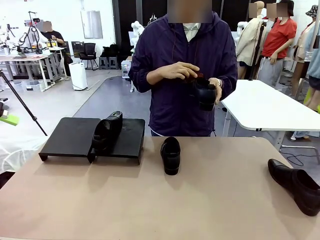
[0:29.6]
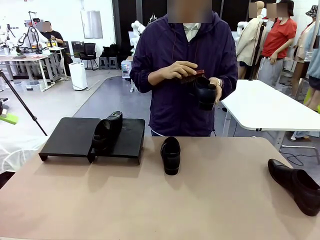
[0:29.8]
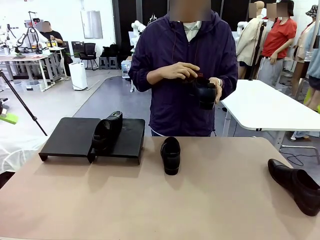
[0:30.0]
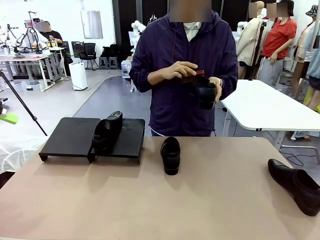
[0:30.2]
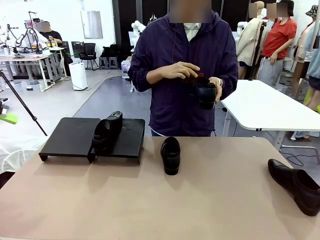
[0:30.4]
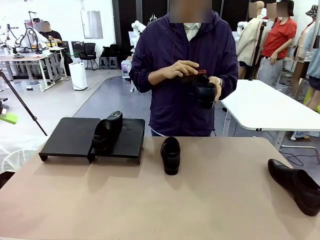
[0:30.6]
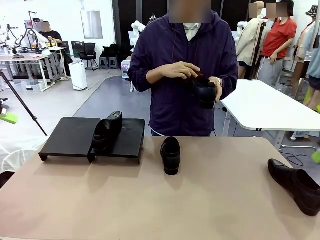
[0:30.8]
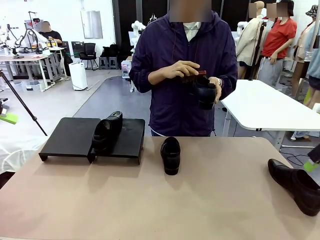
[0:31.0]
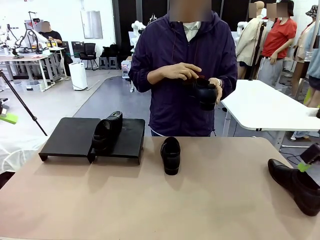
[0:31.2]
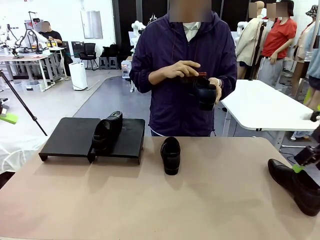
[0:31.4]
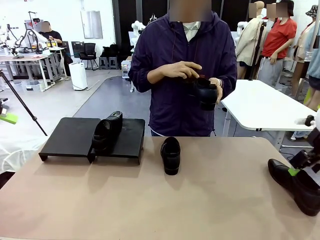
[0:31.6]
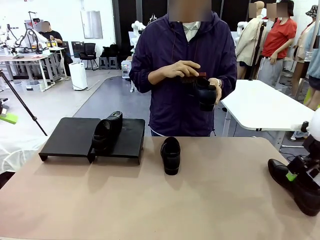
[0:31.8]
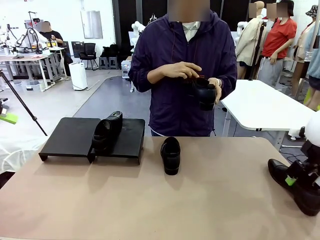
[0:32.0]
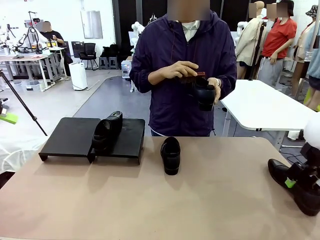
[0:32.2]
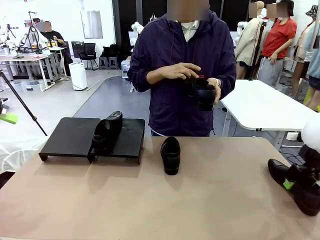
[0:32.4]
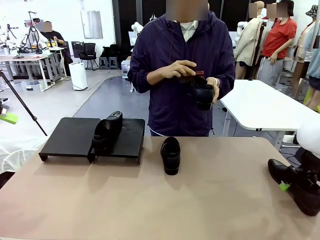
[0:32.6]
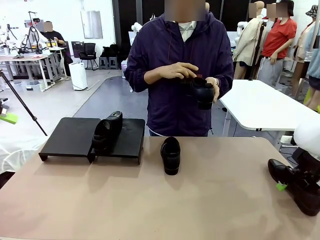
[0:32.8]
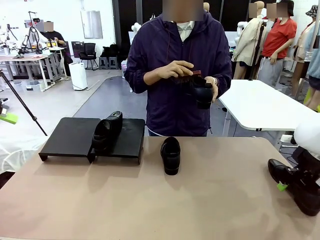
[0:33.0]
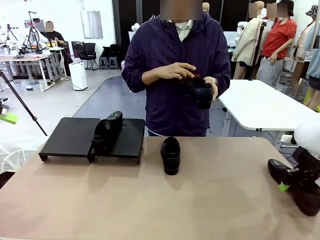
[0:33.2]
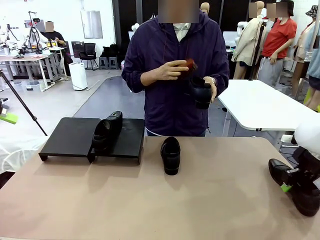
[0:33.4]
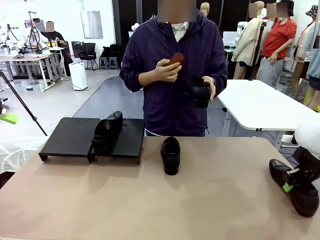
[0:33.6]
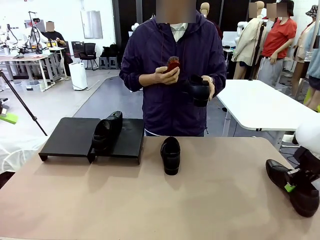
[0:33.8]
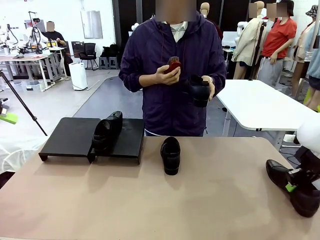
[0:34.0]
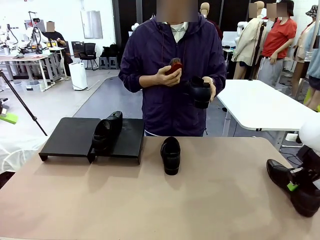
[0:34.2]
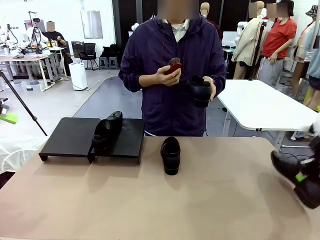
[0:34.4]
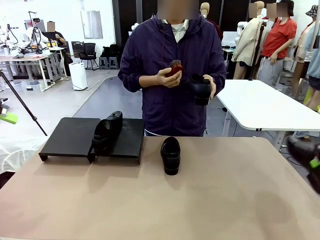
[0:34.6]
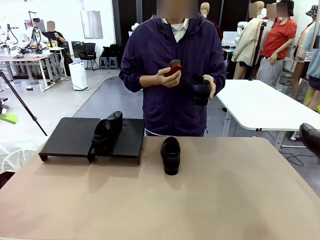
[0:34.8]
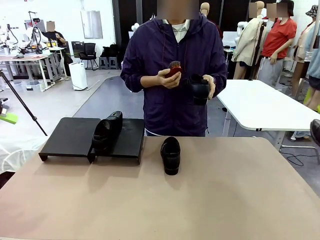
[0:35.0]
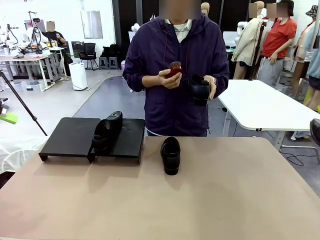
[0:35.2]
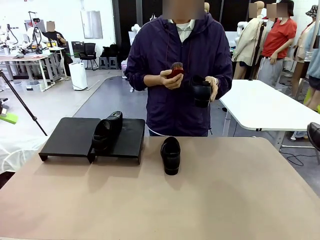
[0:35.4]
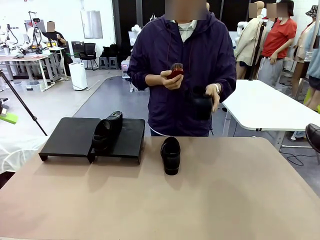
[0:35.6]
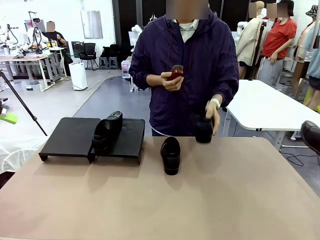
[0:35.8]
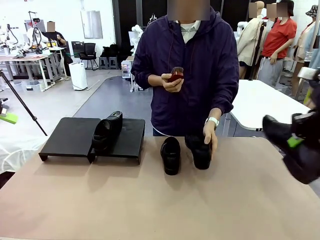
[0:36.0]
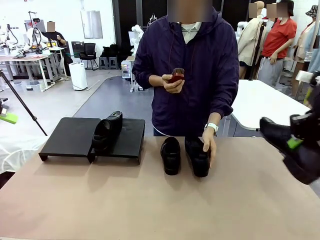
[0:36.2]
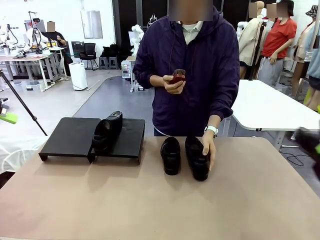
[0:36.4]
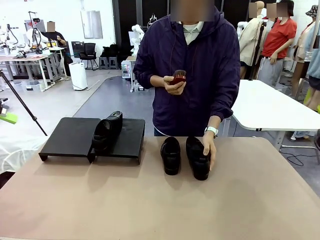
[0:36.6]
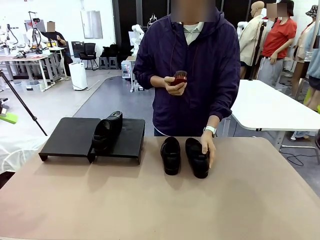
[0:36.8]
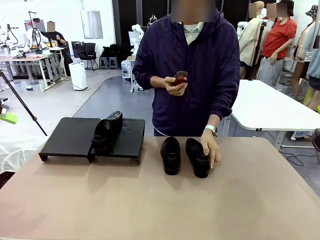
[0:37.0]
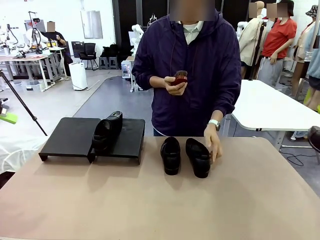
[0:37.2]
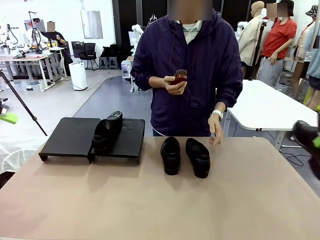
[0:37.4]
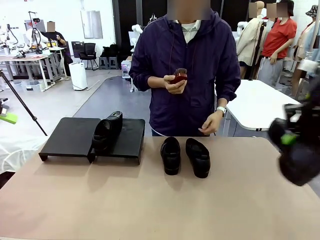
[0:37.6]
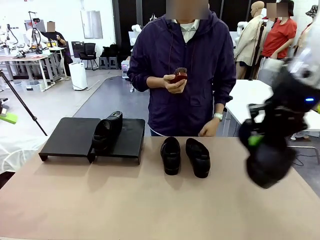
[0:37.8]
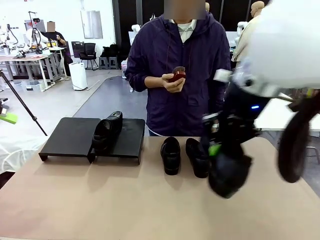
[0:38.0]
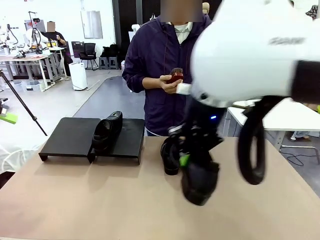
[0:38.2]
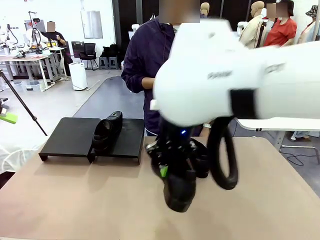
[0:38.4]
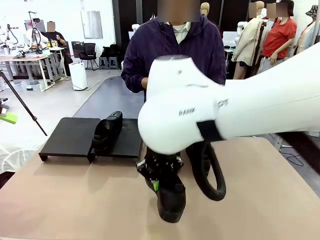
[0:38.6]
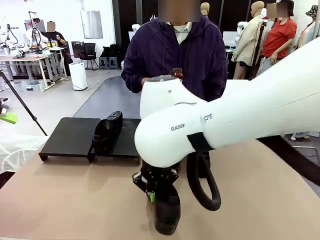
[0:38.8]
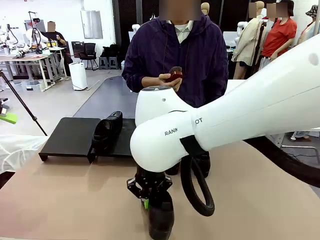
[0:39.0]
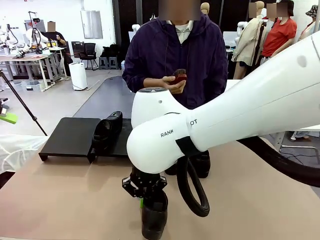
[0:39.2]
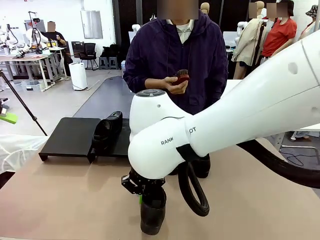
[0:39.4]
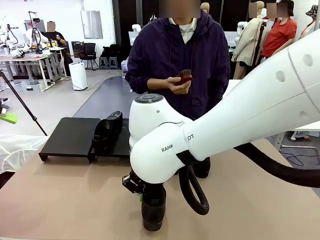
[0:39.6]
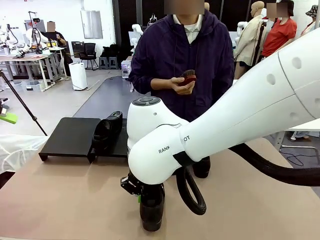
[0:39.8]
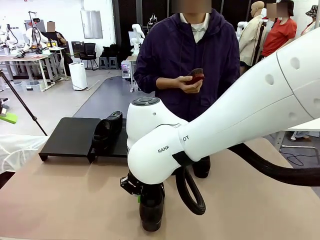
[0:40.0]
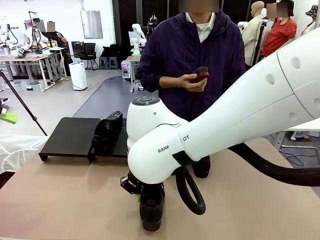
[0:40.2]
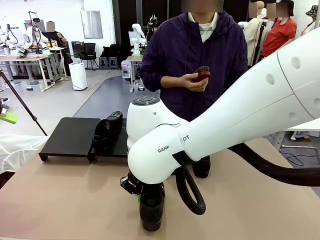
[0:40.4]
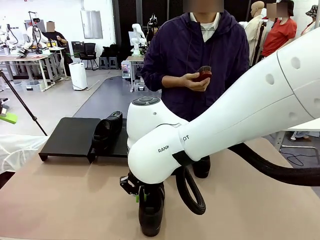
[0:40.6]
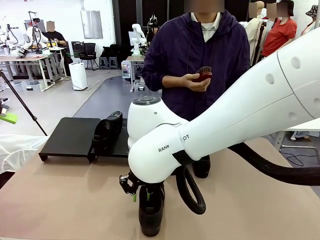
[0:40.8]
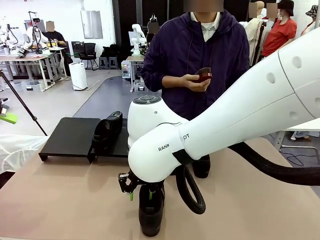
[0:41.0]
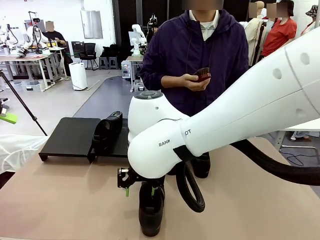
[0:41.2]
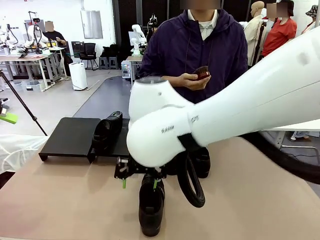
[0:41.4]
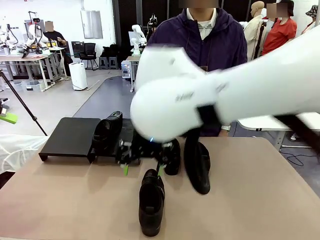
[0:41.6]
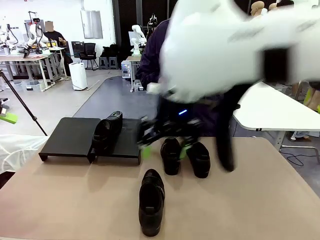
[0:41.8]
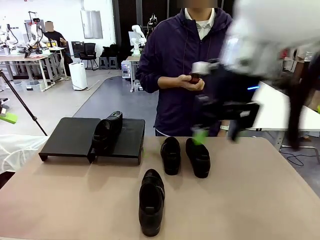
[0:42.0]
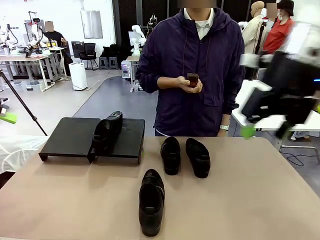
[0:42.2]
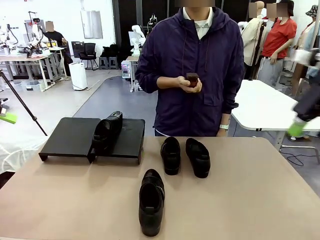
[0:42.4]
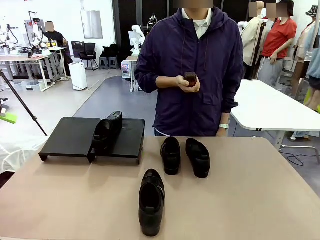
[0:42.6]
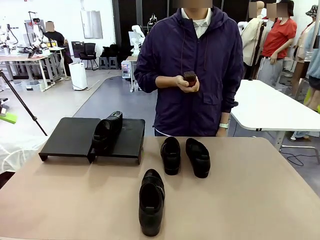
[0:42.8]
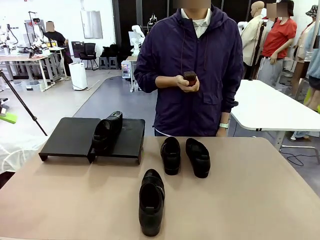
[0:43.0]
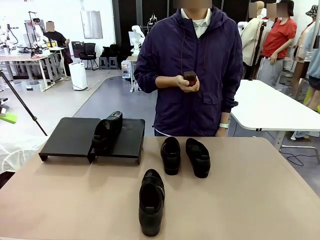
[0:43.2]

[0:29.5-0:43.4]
Task: Organize the shoes by placing them on the stand.
Robot: Pick up one Shoe and place it in the middle of the table.

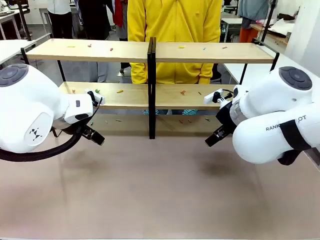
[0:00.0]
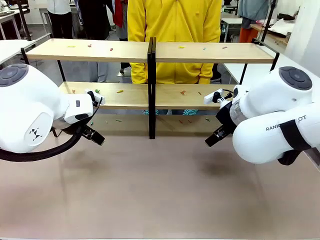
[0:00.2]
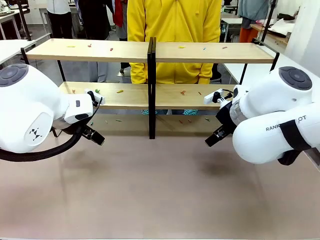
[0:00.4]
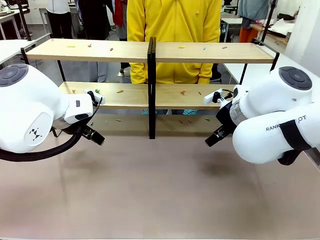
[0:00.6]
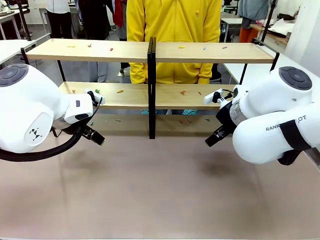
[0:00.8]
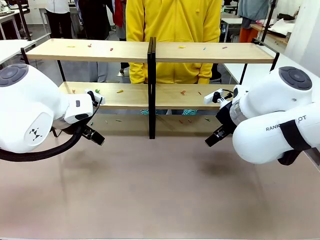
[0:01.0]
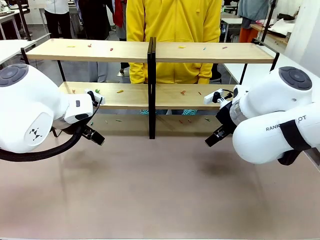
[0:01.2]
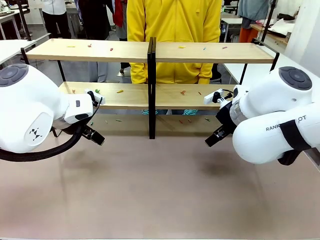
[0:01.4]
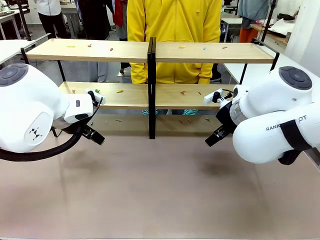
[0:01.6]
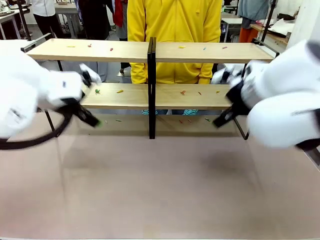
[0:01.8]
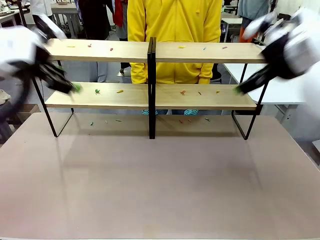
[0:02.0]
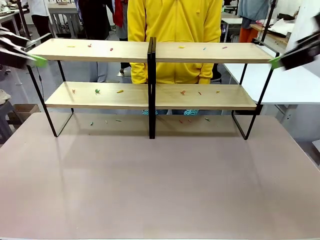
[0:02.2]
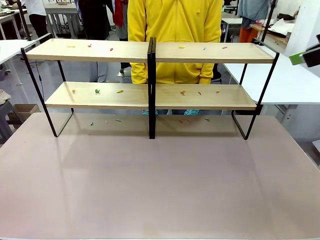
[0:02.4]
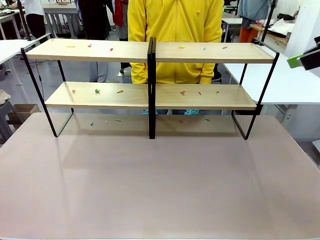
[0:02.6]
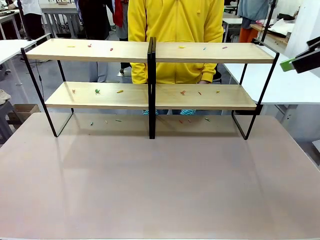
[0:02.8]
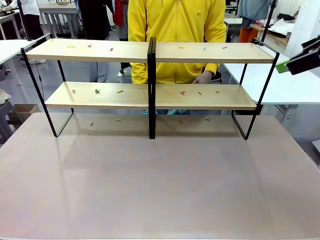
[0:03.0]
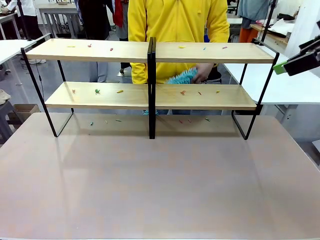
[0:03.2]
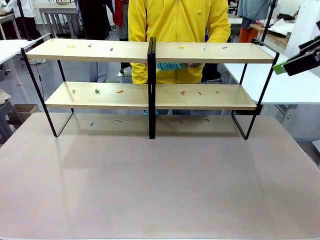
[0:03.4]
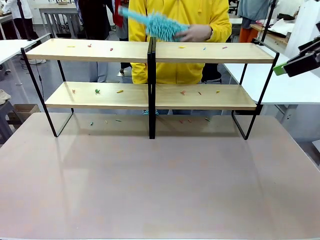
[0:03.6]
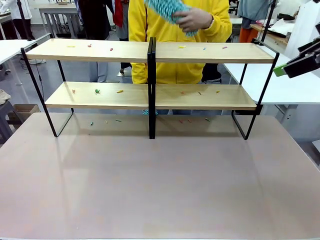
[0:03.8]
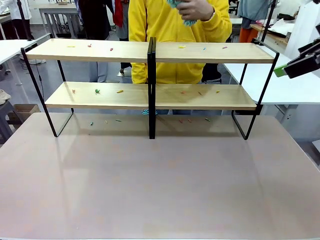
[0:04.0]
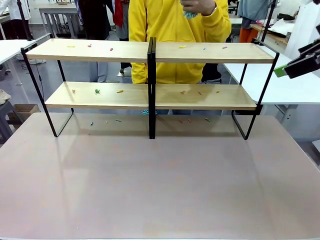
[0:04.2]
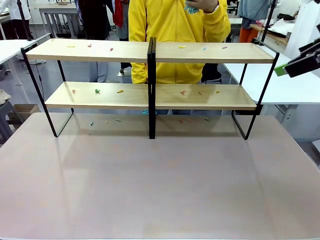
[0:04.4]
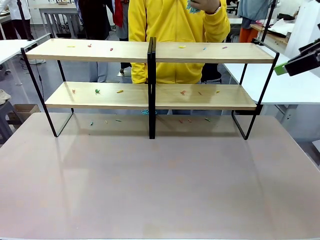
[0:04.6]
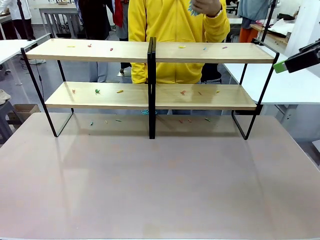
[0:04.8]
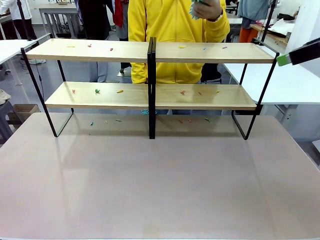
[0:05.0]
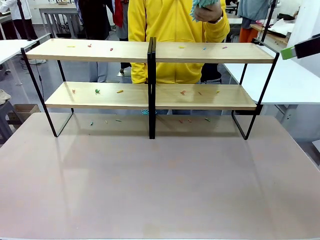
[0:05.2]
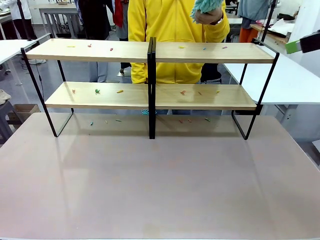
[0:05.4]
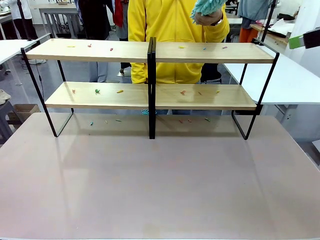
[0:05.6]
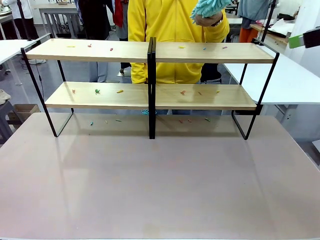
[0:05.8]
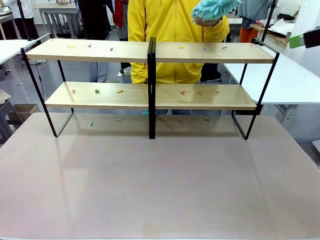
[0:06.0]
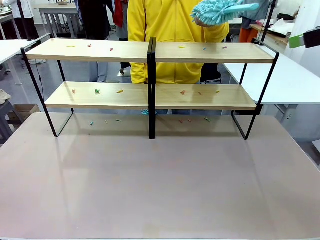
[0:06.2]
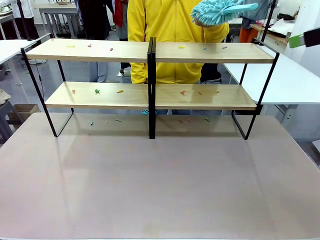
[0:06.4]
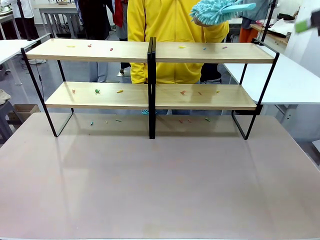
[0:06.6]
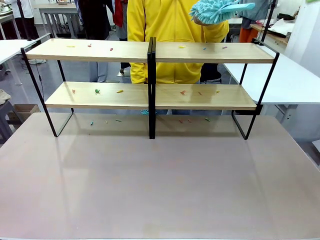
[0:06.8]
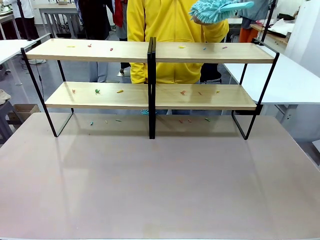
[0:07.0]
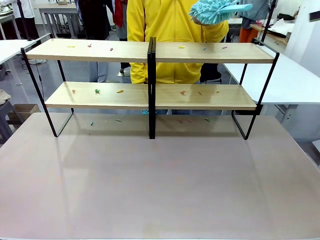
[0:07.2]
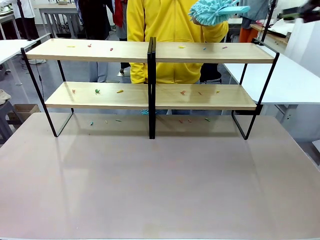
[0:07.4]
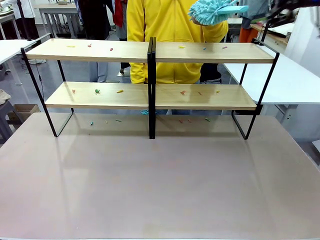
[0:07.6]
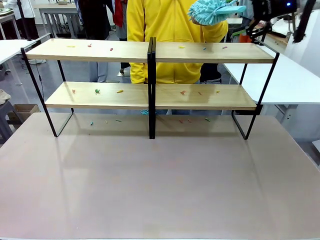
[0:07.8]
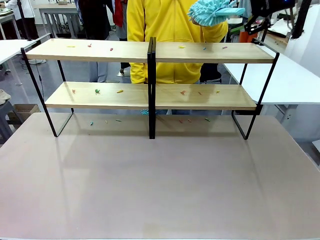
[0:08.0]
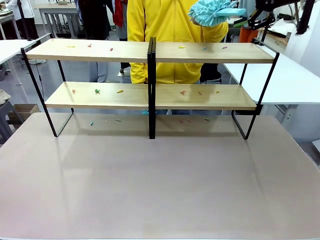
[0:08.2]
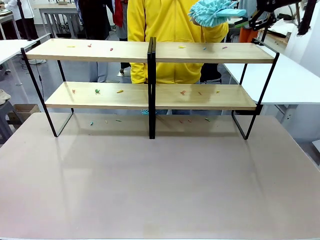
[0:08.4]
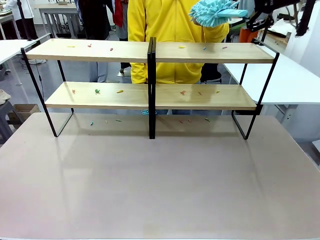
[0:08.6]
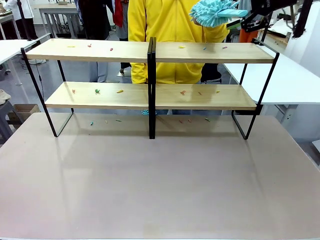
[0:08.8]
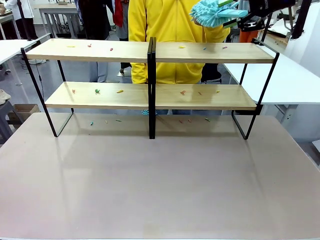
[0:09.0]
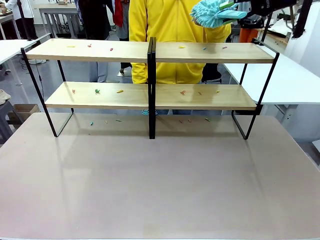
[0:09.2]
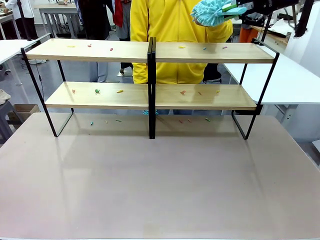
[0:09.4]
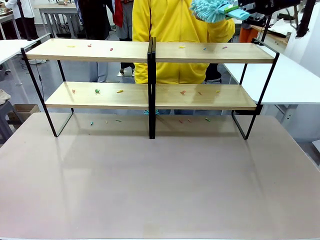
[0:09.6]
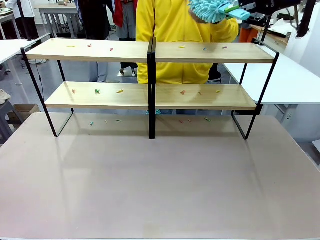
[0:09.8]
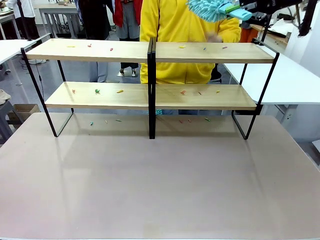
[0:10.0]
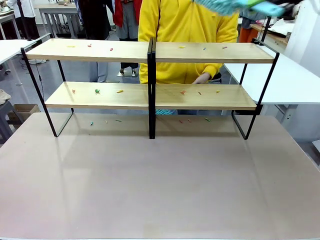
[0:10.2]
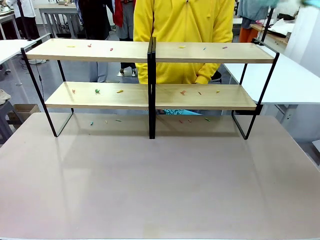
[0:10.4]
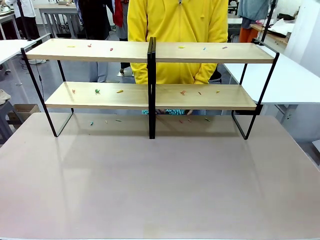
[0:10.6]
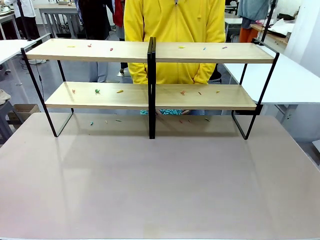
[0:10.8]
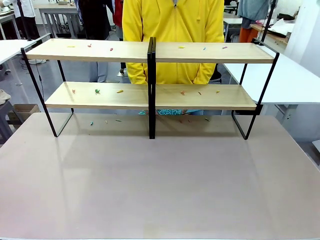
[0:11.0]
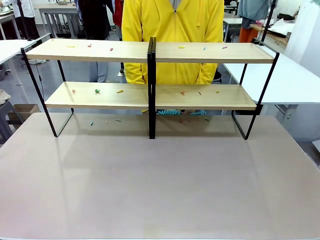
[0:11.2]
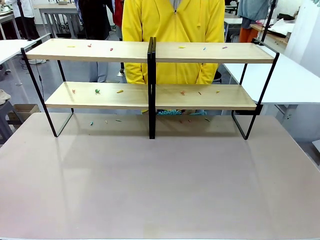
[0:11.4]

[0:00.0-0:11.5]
Task: Clean the shelves.
Robot: Pick up the Duster when the human hands it over.
Person: Hand the Duster to the robot with your right (or left) hand.
